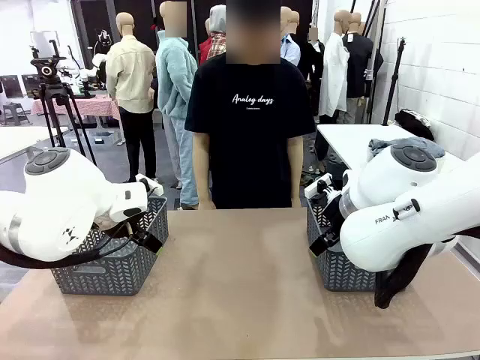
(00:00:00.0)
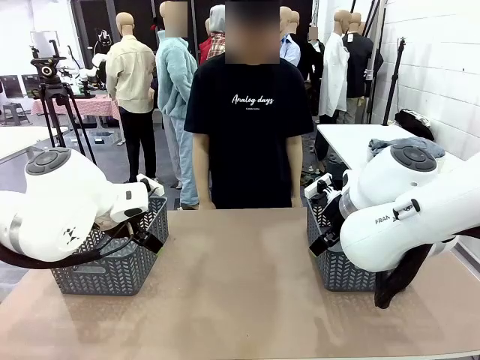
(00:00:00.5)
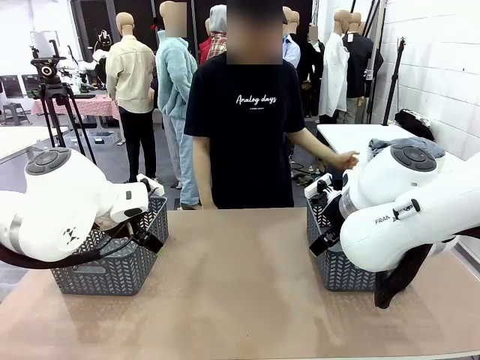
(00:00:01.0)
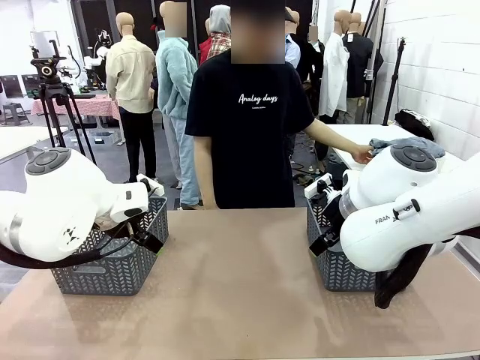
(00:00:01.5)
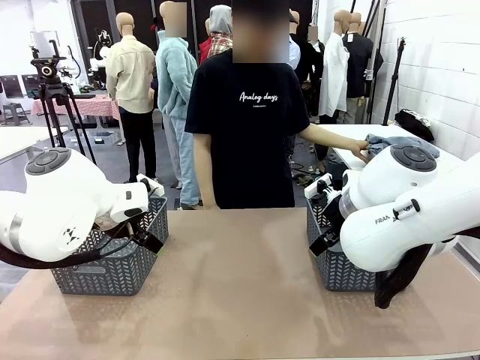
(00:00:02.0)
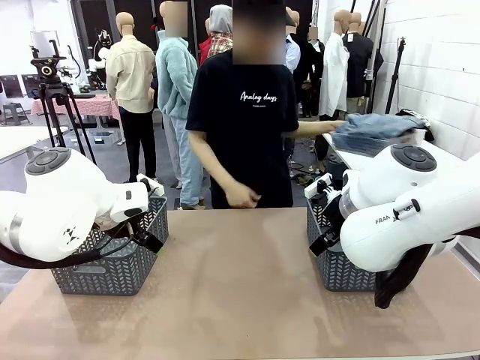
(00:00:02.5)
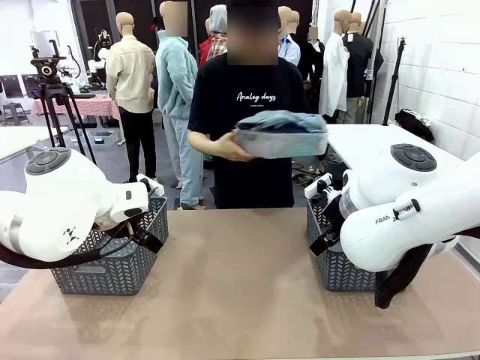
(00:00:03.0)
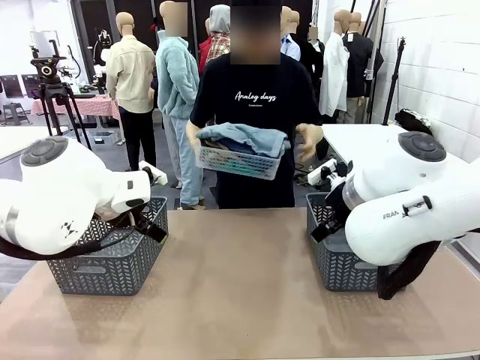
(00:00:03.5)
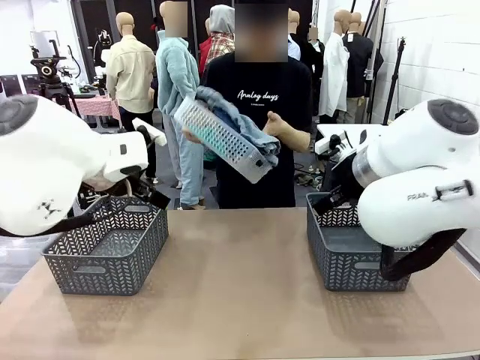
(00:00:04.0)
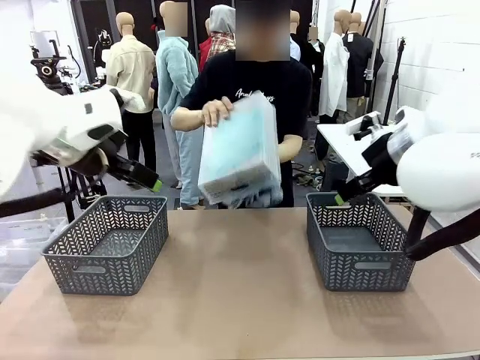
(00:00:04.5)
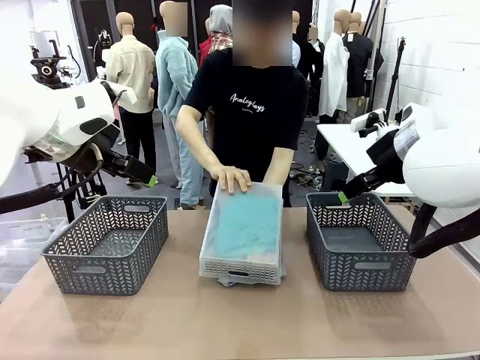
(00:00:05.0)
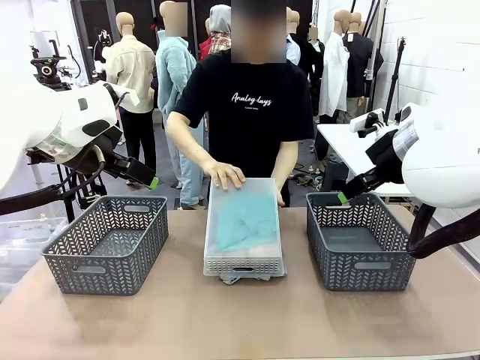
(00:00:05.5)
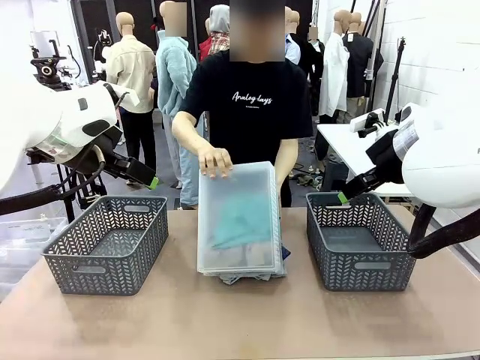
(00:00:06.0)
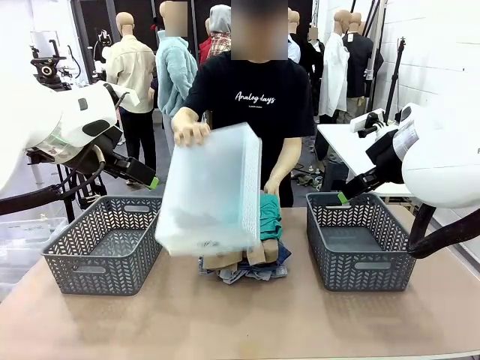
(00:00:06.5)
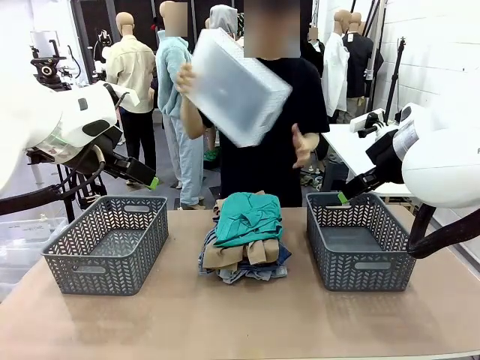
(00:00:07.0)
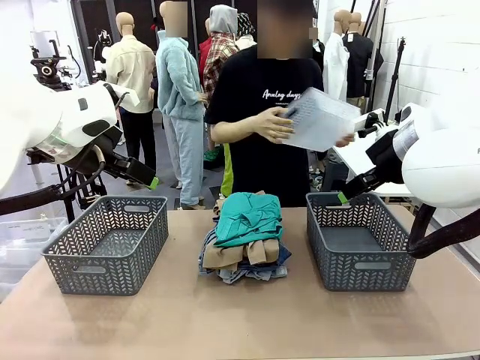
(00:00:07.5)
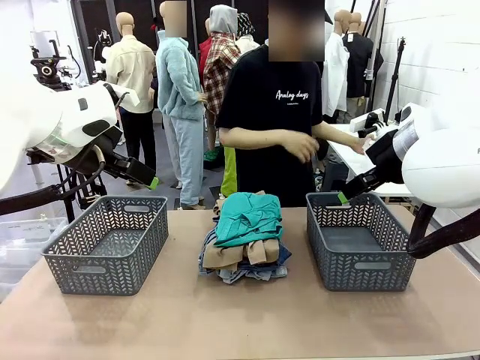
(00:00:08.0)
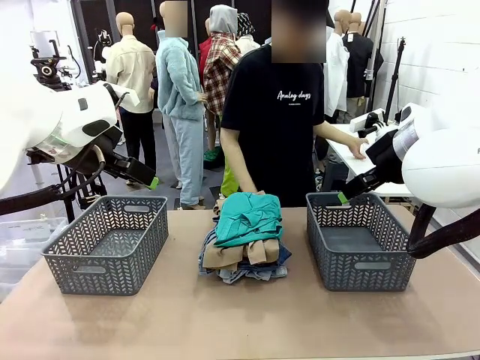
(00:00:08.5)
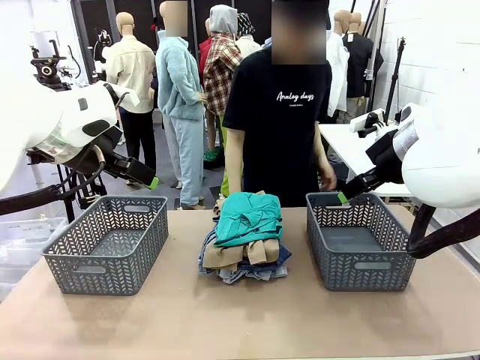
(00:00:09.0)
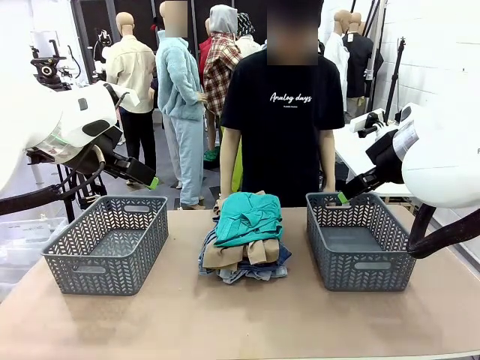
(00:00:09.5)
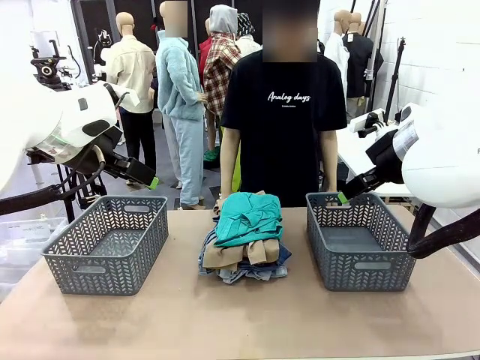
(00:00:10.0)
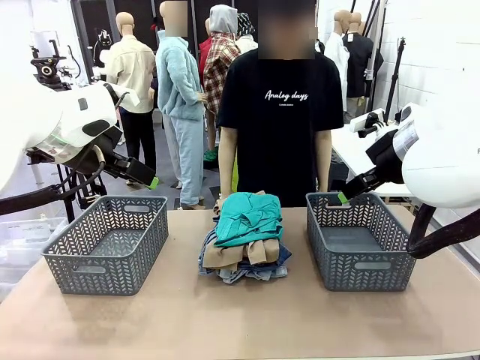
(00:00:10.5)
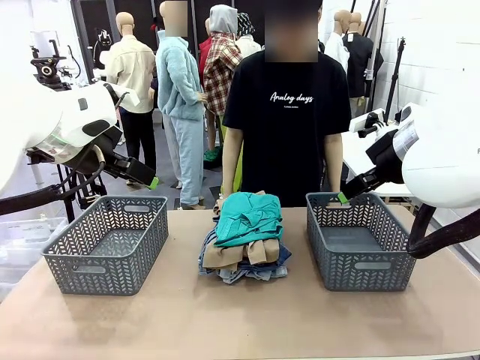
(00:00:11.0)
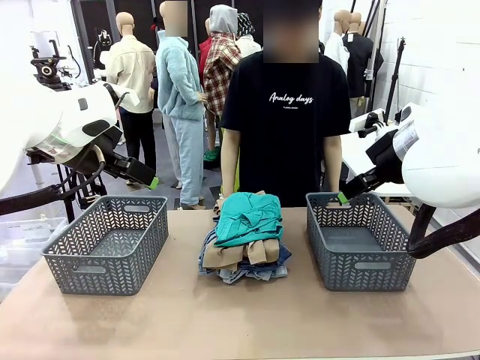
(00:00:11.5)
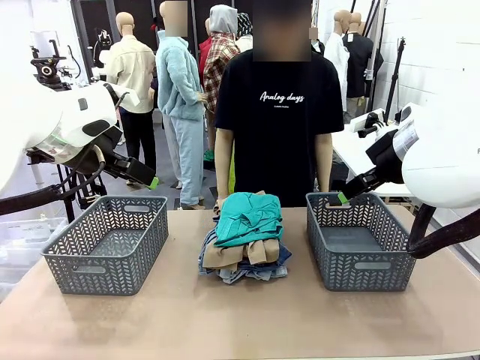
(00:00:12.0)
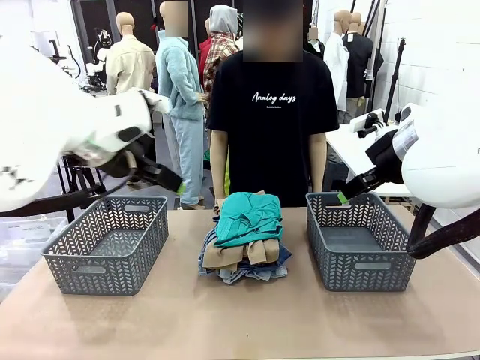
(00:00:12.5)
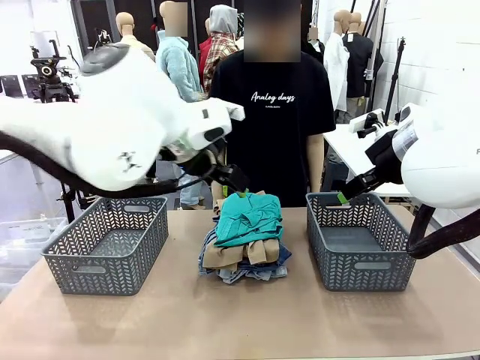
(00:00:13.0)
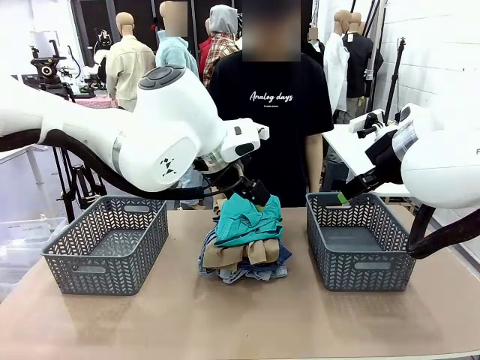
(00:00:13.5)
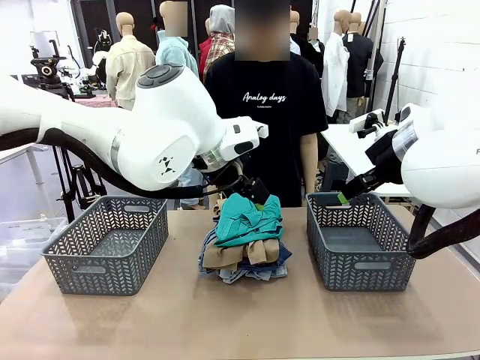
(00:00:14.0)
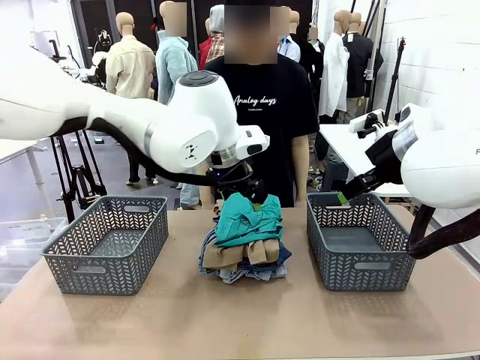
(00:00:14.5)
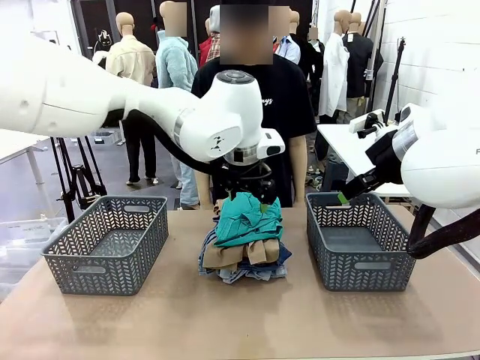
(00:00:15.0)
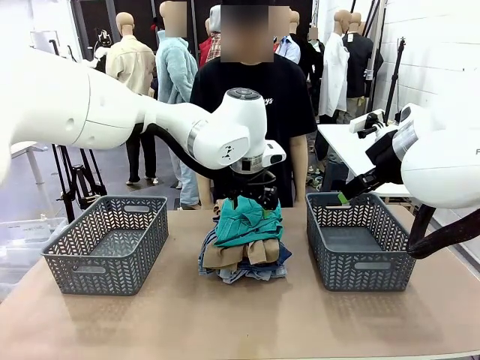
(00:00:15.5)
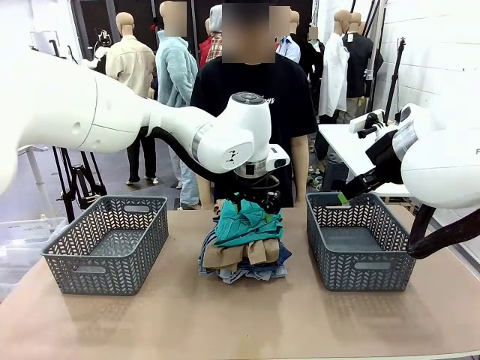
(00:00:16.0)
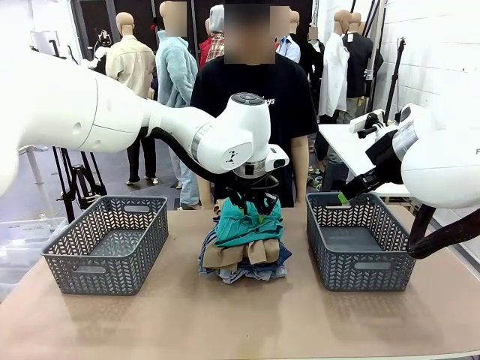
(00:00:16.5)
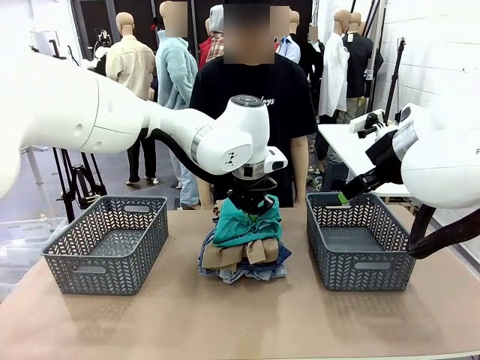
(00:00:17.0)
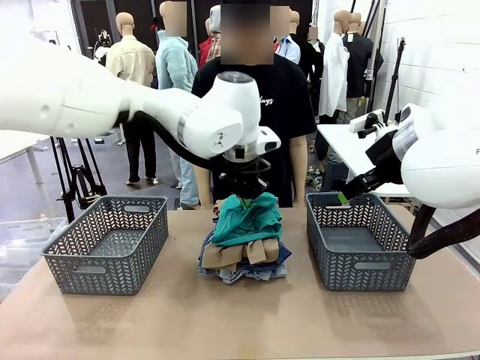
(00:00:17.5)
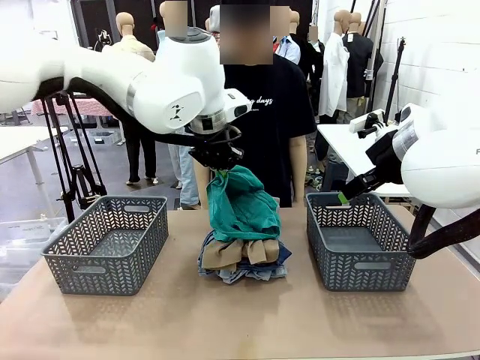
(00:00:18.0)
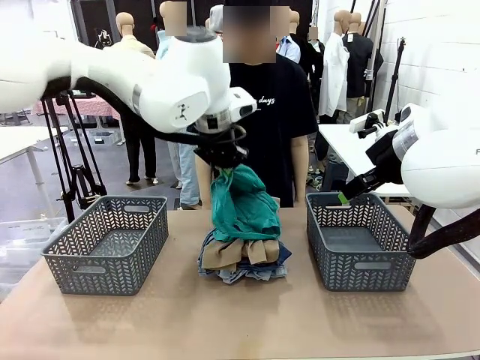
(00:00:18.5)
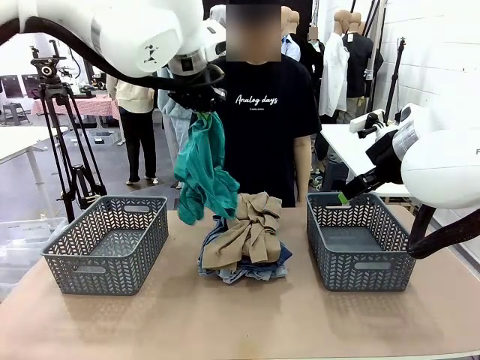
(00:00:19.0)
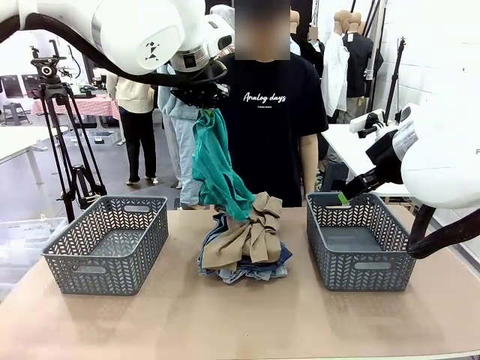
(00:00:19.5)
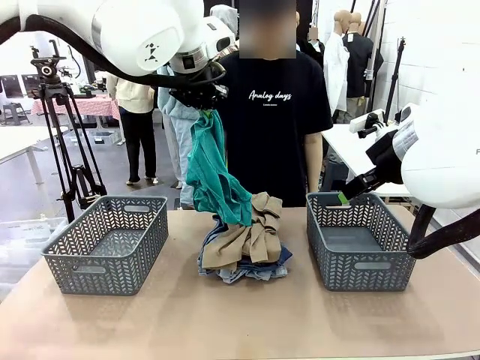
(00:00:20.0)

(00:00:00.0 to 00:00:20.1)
Task: Sort the tops and bottoms.
Robot: Lift clothes from the center of the table with your left hand.
Person: Pour the clothes from the basket onto the center of the robot table.

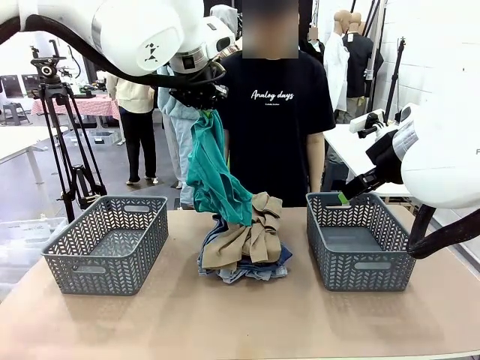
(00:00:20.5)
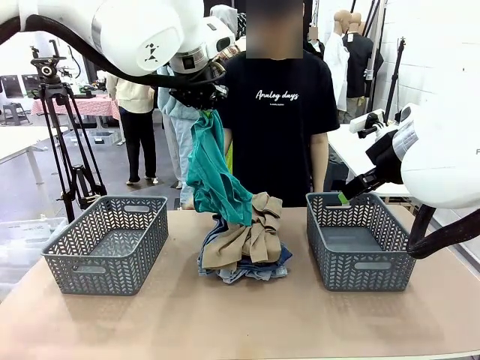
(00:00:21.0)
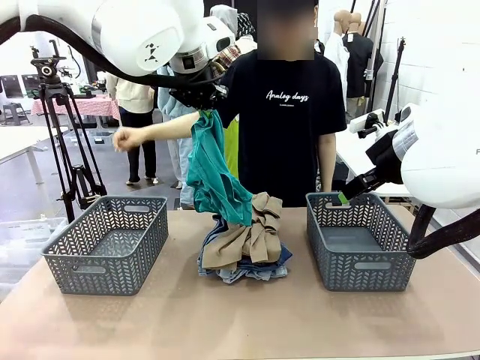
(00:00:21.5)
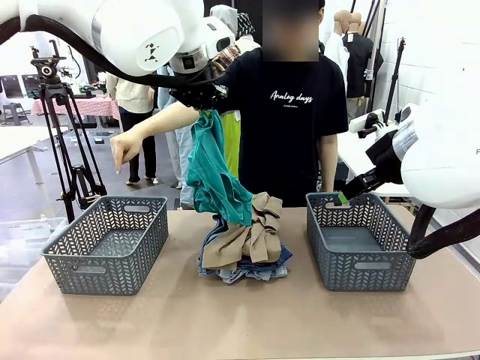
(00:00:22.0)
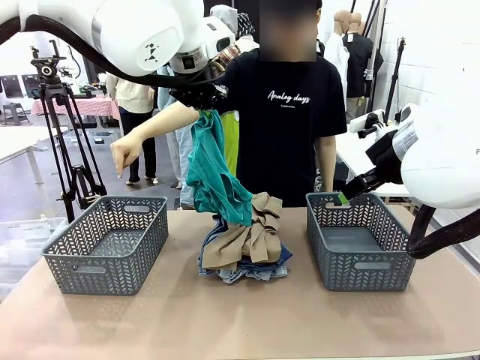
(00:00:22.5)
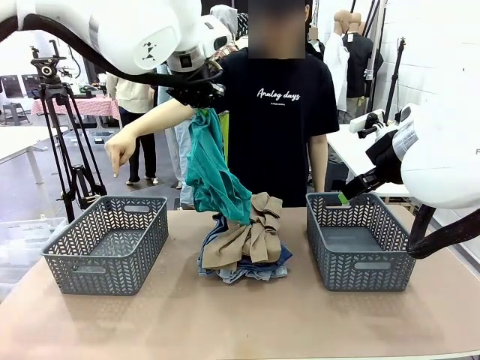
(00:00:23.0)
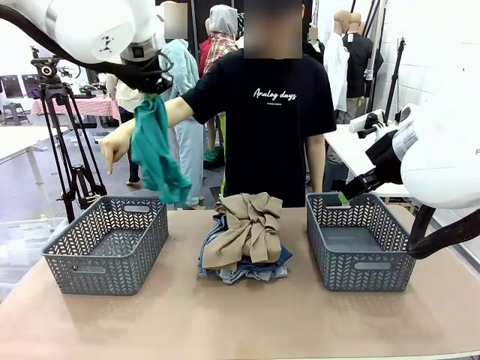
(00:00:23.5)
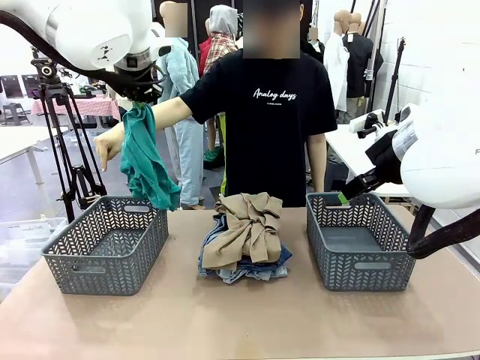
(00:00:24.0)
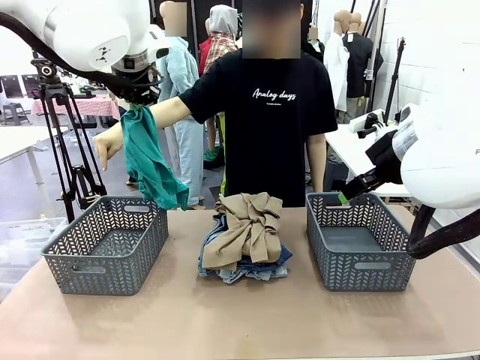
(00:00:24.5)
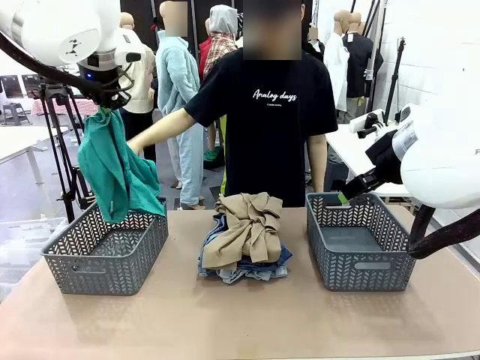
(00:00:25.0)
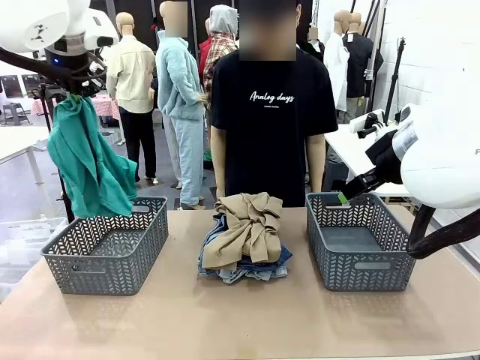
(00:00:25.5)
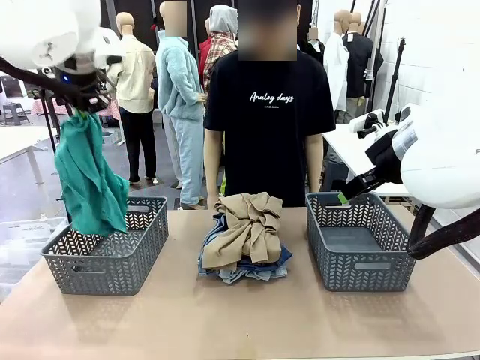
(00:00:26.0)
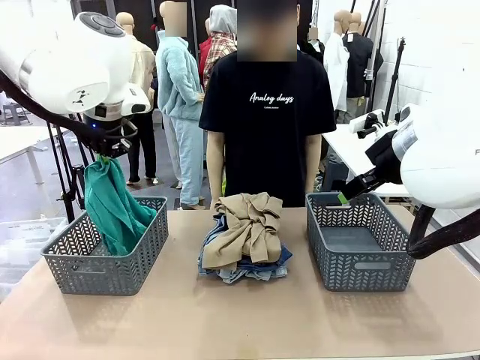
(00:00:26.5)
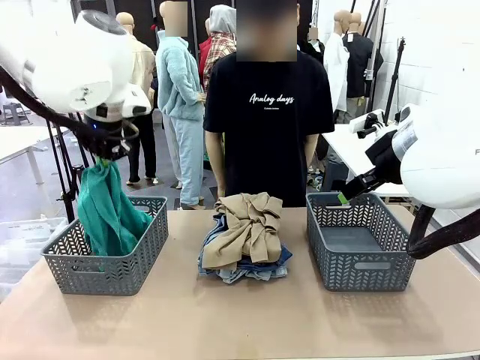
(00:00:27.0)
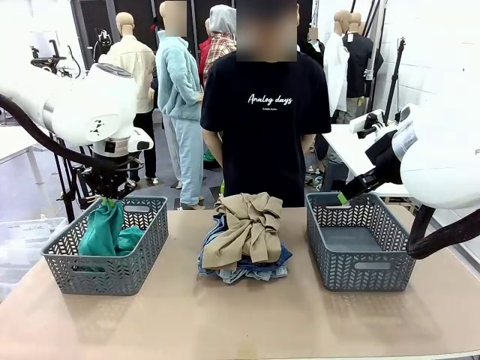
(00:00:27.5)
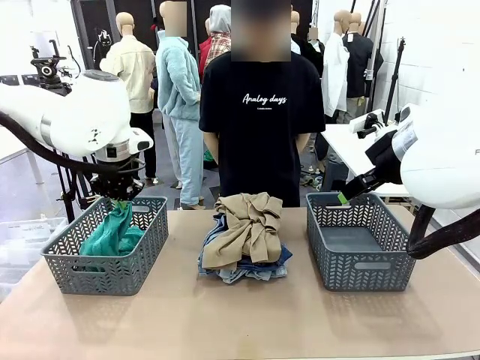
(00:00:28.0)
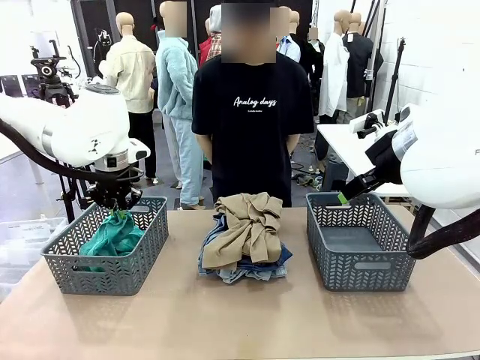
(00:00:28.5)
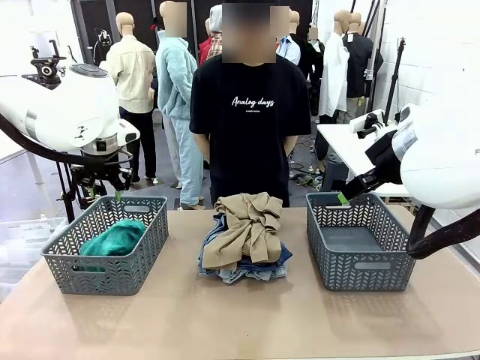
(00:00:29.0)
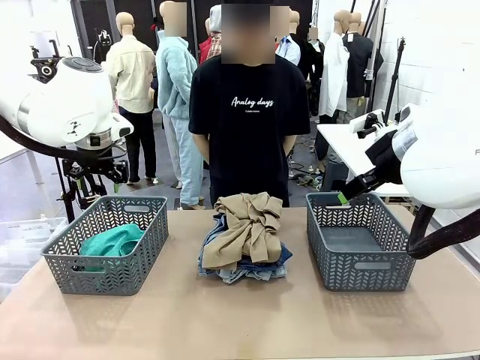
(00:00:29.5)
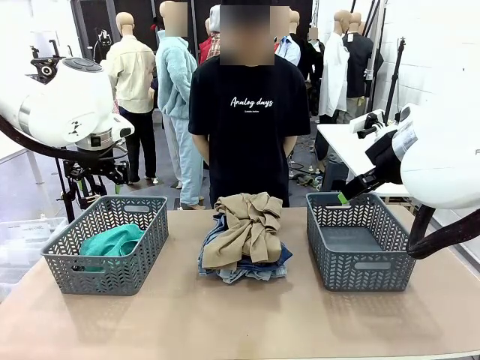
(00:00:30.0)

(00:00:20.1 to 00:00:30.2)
Robot: Sort the clothes according to human instructions.
